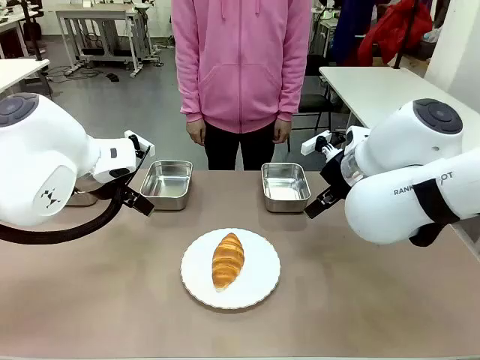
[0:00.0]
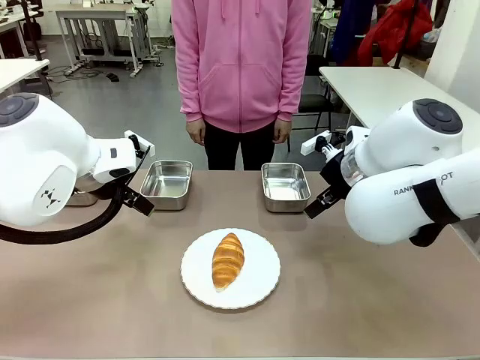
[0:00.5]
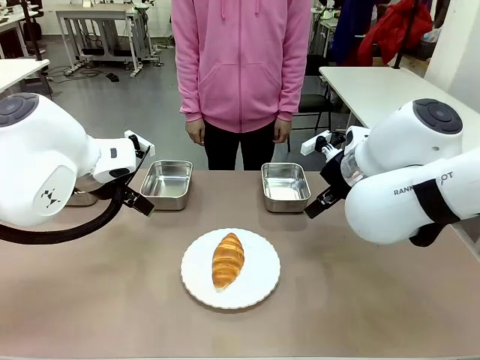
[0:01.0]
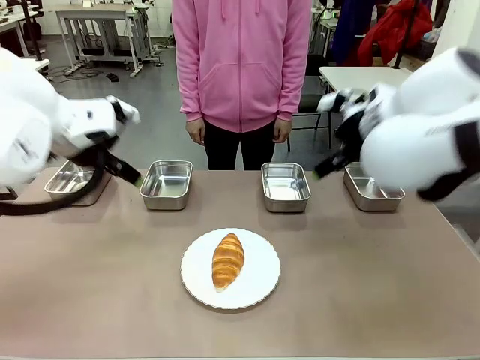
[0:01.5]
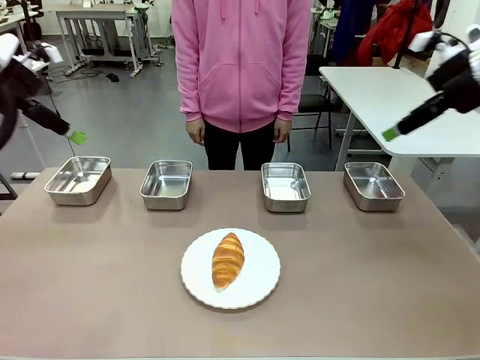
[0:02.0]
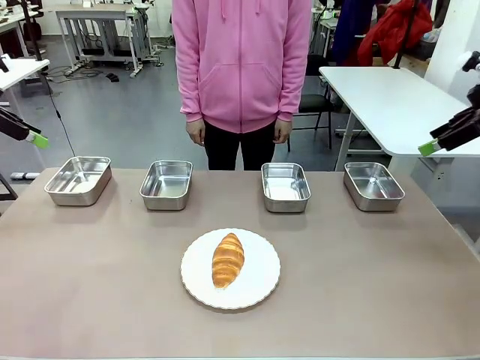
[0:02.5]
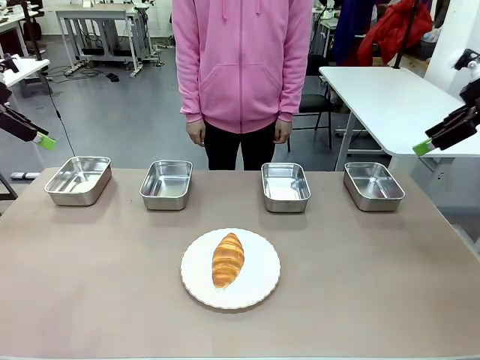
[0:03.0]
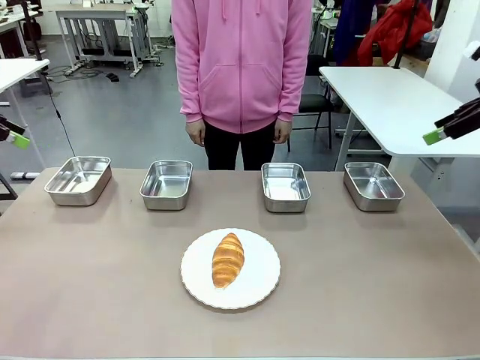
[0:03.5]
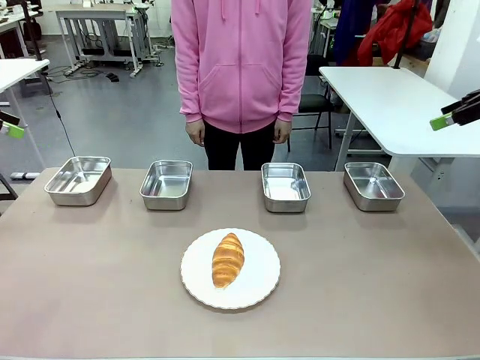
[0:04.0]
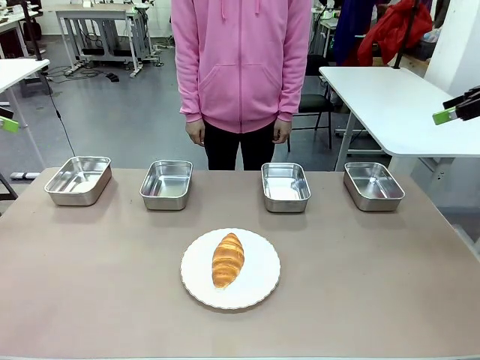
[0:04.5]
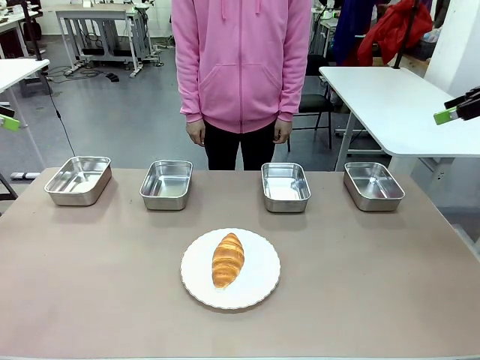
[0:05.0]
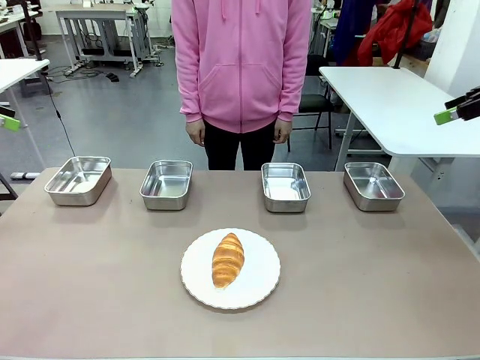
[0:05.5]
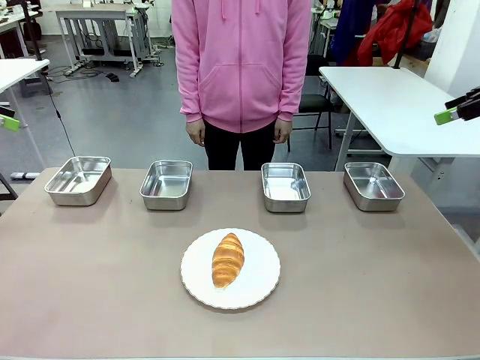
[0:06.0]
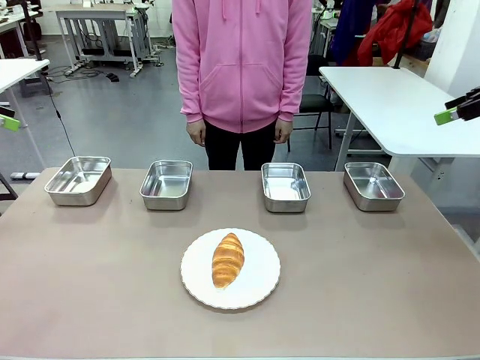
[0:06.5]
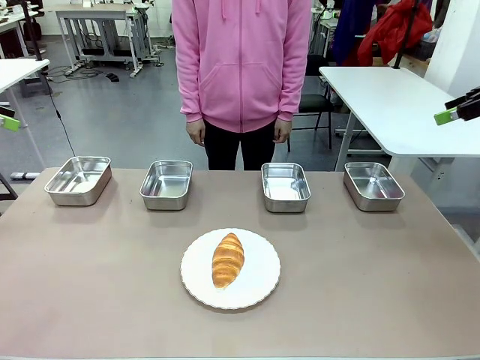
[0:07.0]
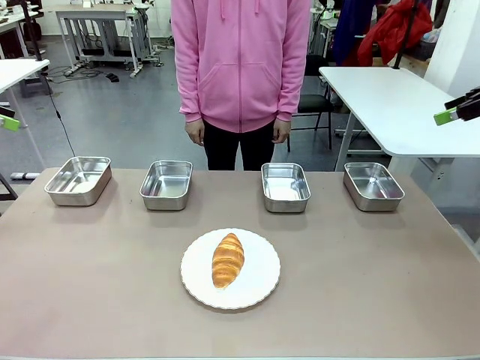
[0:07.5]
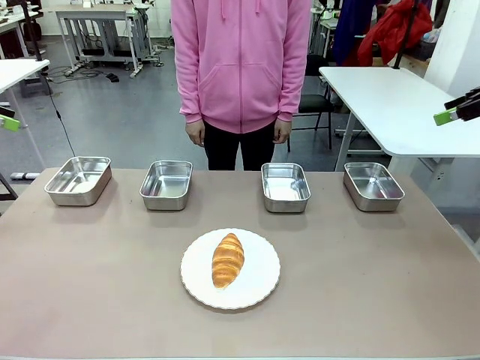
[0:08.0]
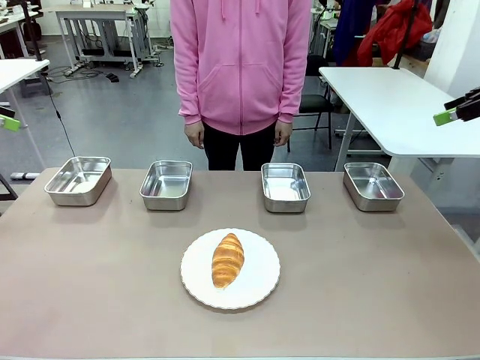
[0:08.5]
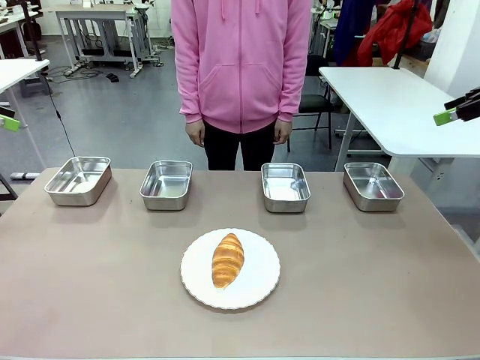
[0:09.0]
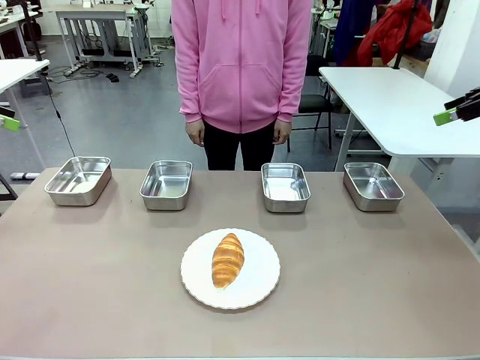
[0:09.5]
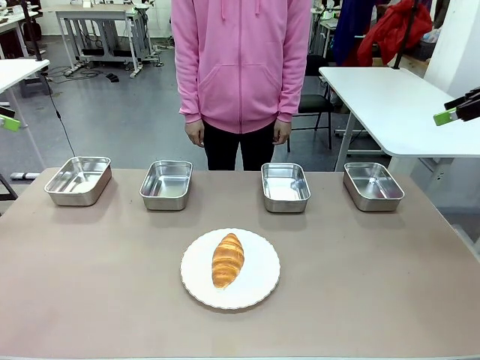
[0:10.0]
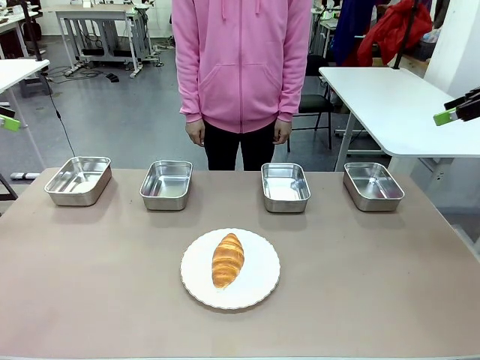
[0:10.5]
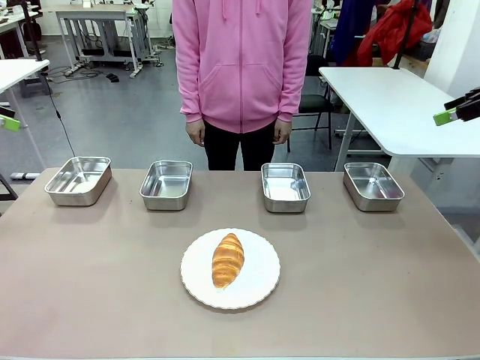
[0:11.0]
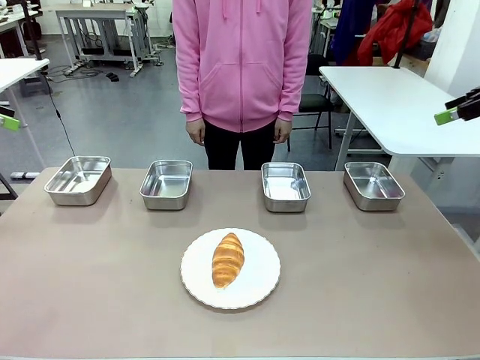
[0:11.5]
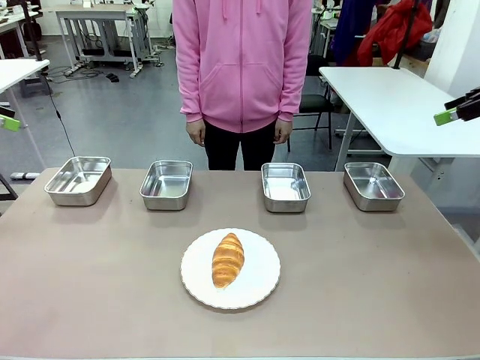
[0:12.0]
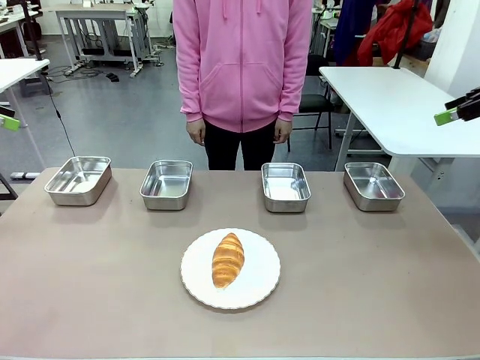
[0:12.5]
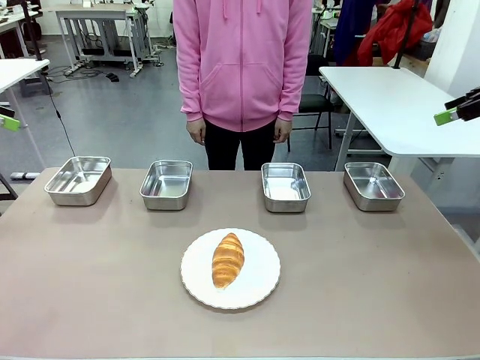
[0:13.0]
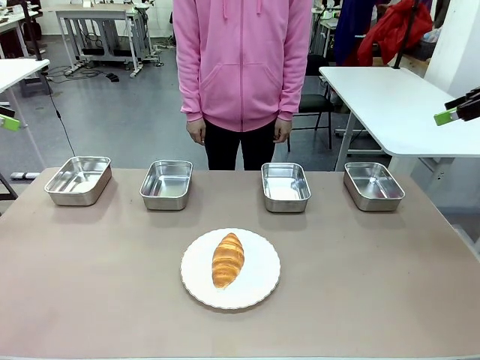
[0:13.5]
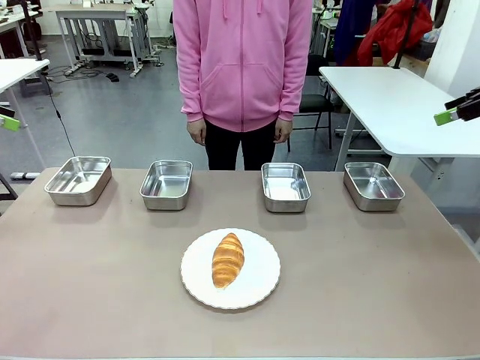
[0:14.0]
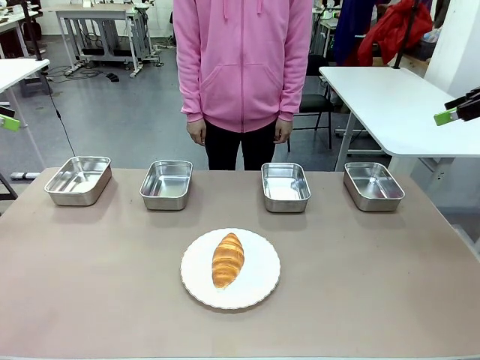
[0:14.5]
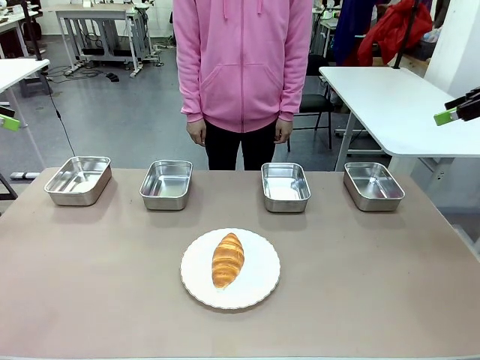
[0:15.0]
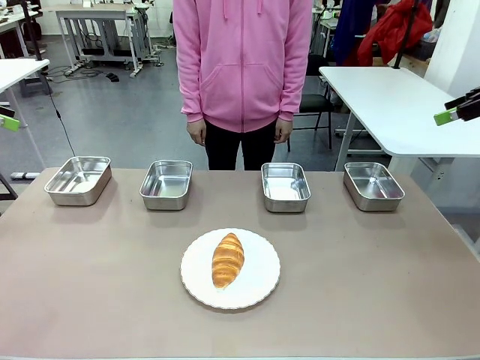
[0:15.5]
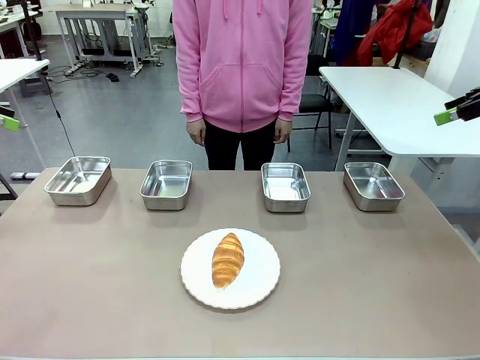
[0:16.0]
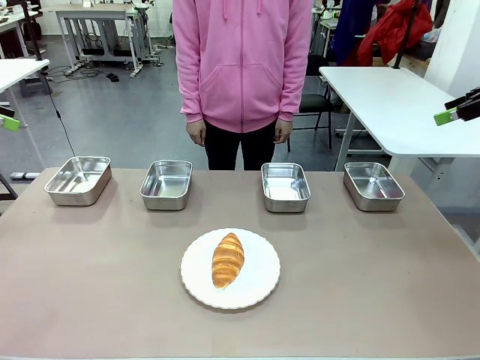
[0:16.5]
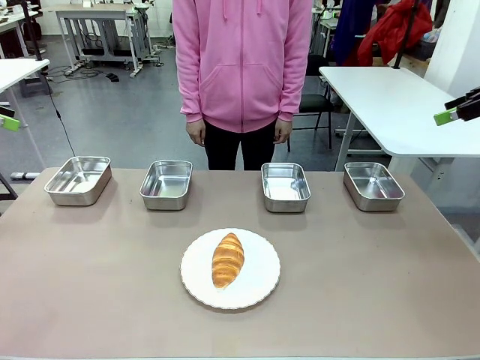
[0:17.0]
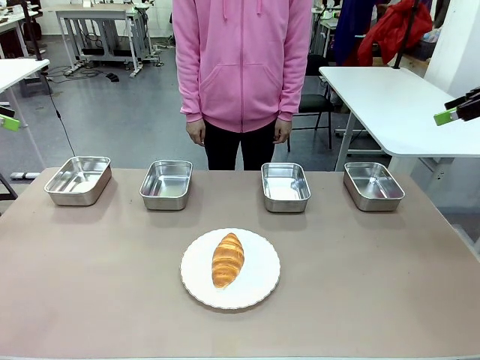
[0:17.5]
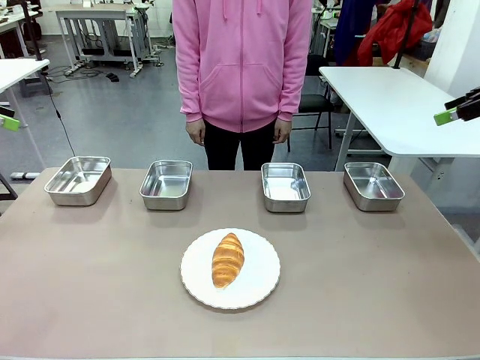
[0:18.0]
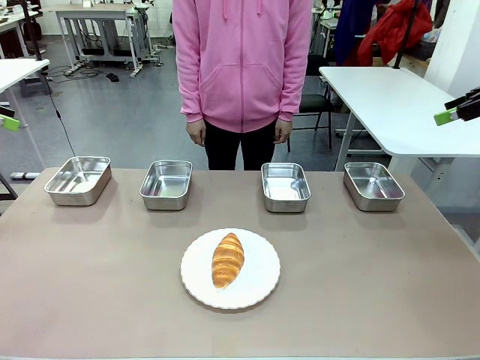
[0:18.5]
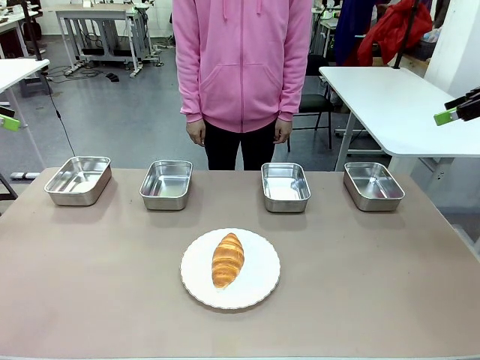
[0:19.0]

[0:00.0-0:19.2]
Task: Place the bread in the container.
Robot: Place the Butter Roll into the Airtight Container indicated by the human.
